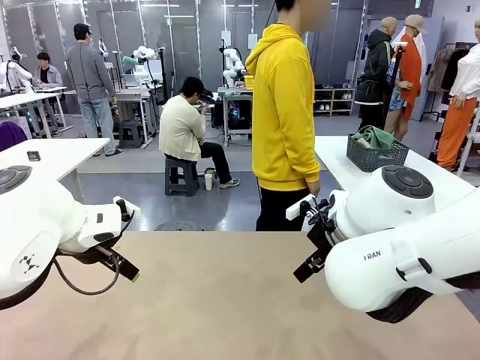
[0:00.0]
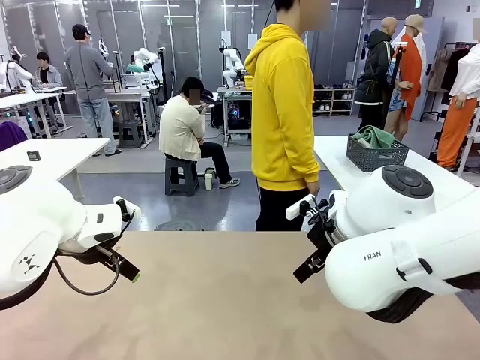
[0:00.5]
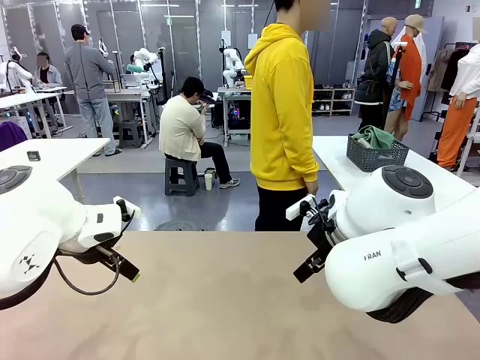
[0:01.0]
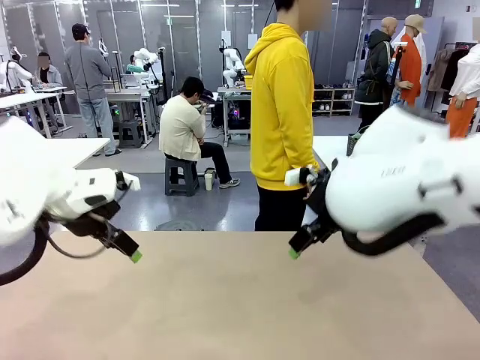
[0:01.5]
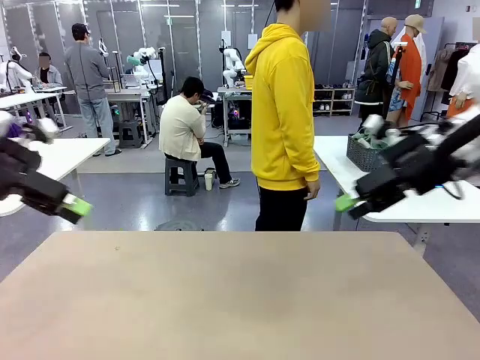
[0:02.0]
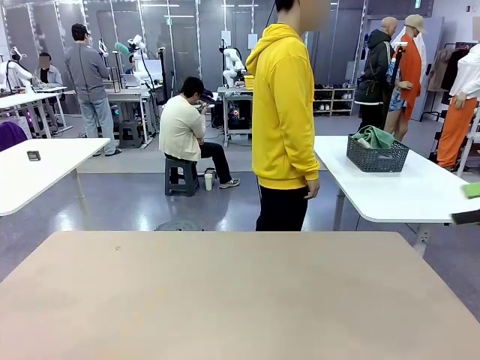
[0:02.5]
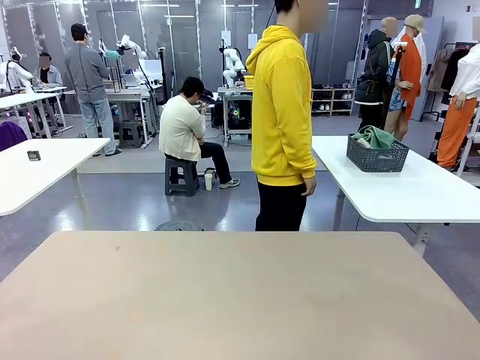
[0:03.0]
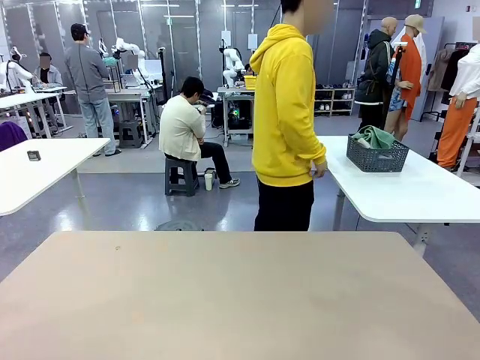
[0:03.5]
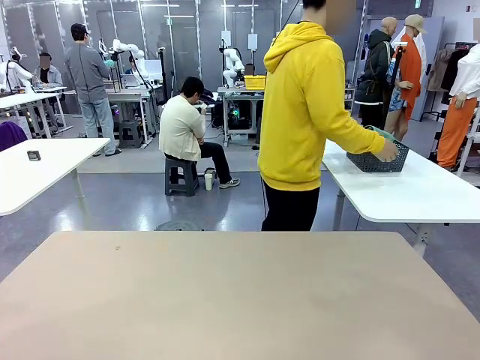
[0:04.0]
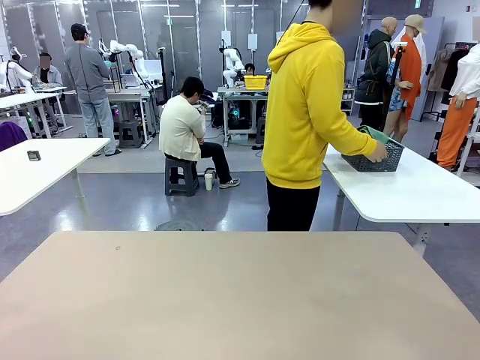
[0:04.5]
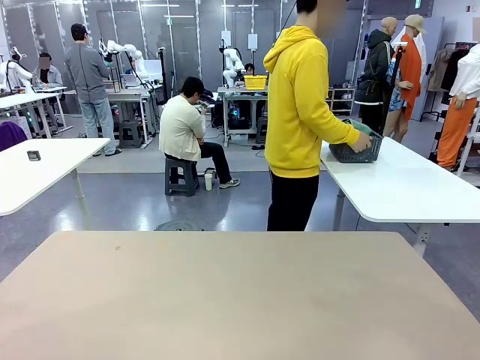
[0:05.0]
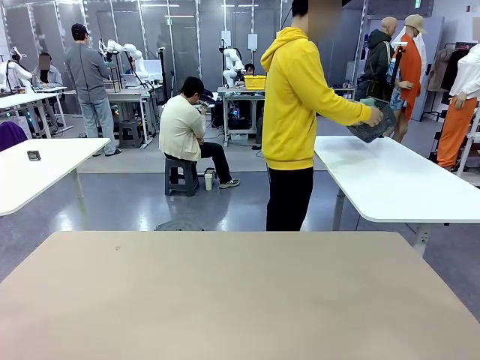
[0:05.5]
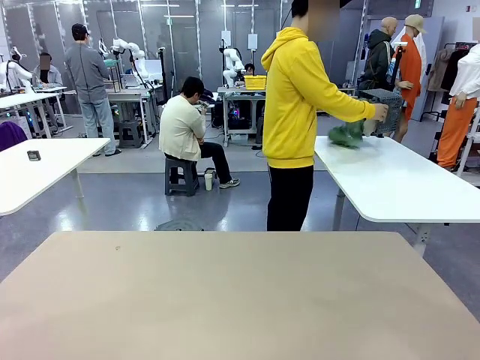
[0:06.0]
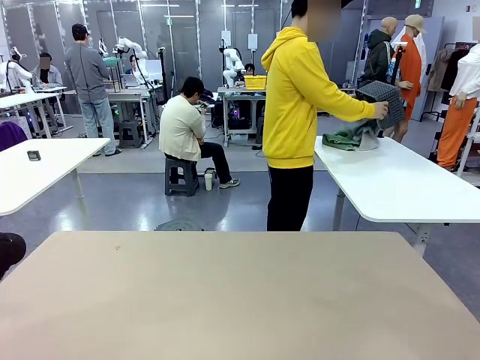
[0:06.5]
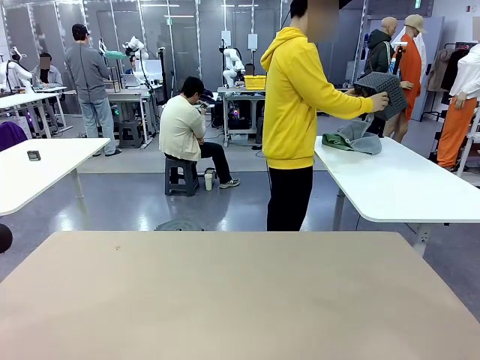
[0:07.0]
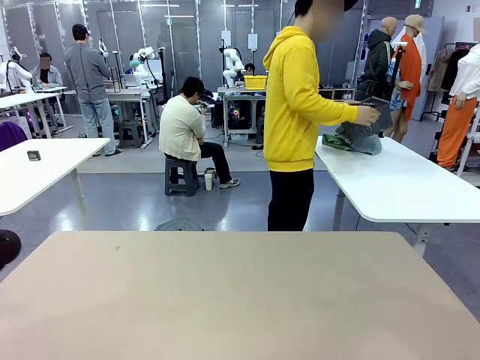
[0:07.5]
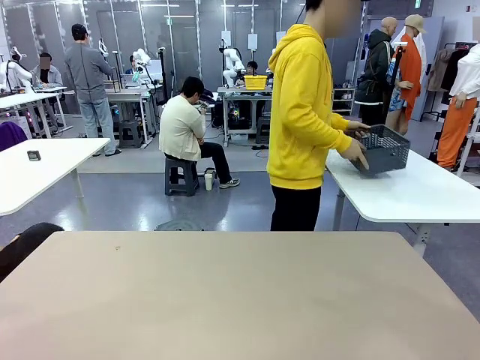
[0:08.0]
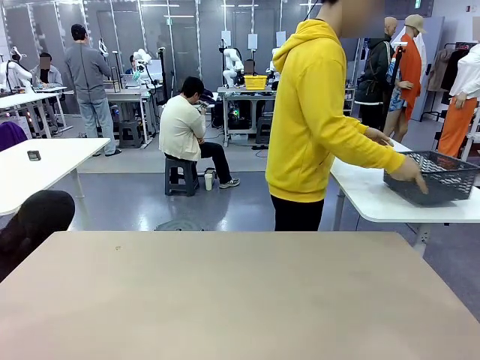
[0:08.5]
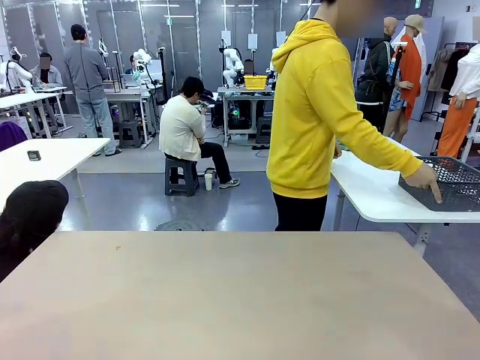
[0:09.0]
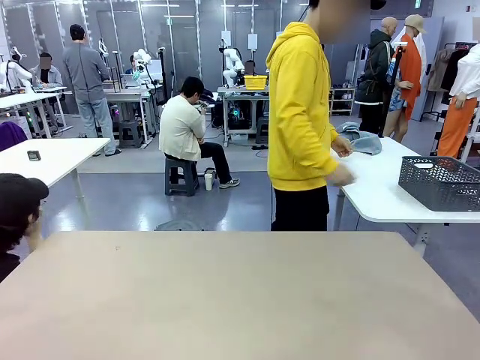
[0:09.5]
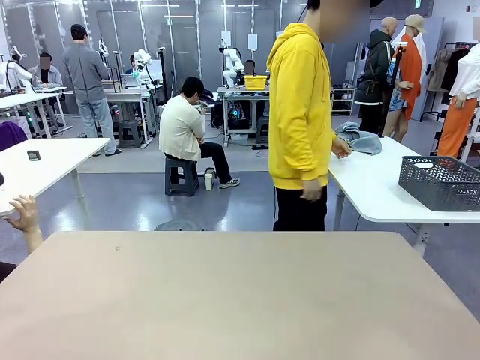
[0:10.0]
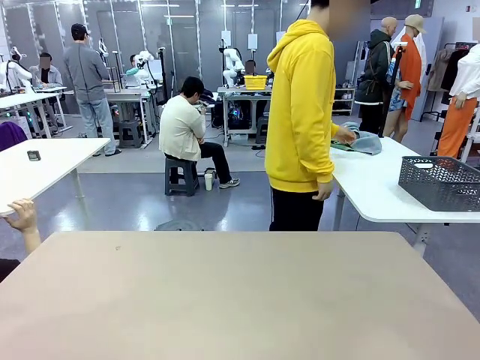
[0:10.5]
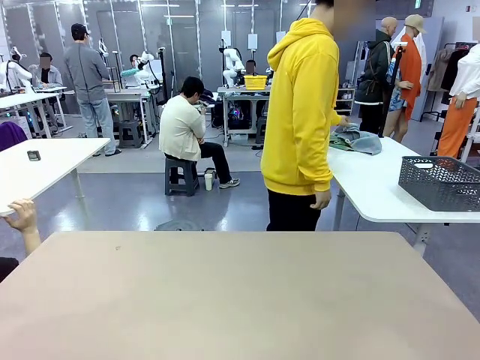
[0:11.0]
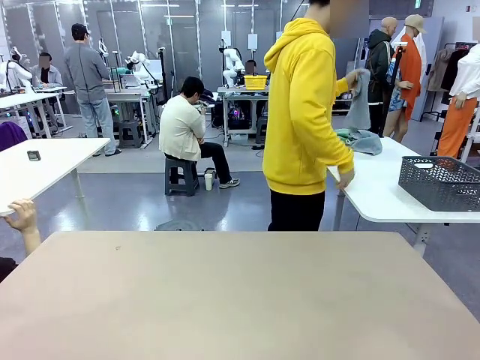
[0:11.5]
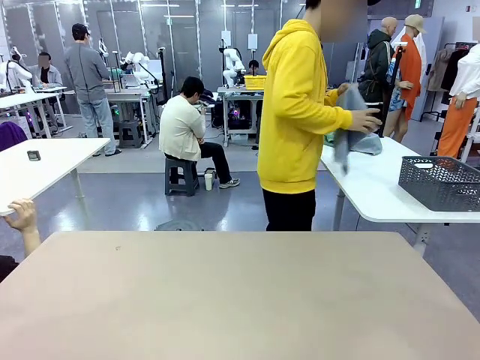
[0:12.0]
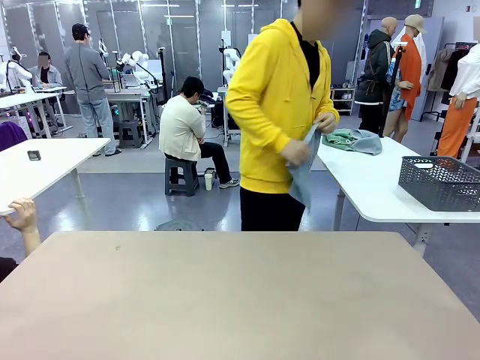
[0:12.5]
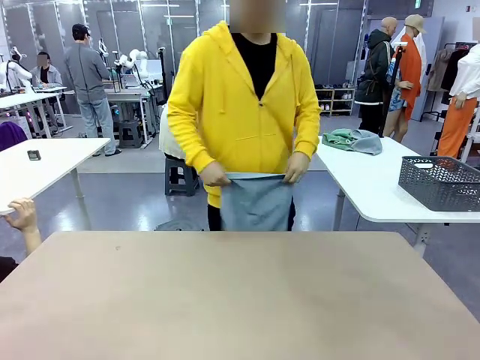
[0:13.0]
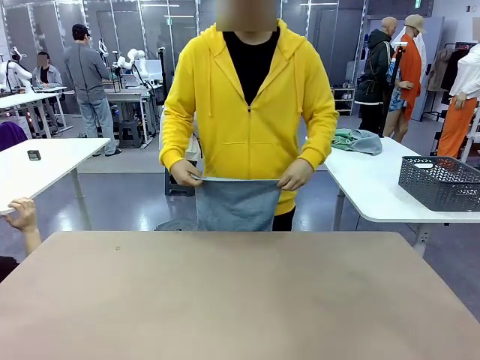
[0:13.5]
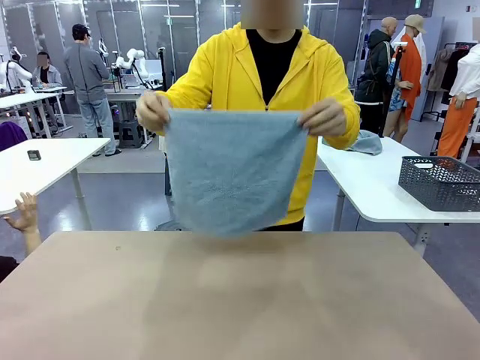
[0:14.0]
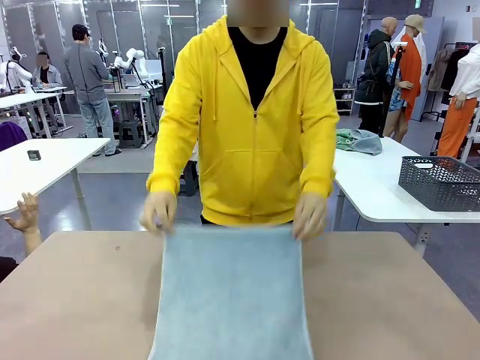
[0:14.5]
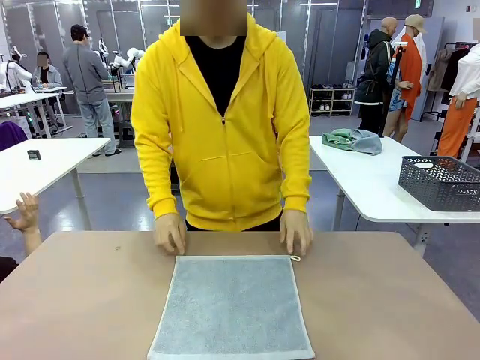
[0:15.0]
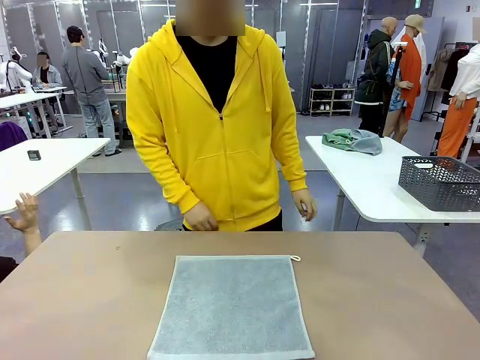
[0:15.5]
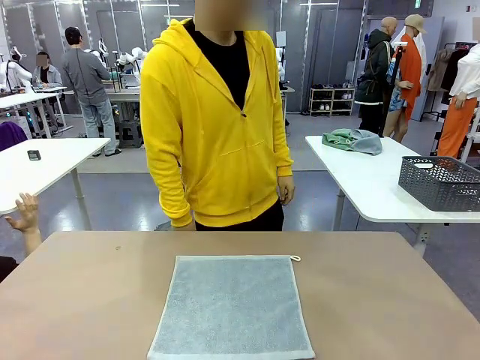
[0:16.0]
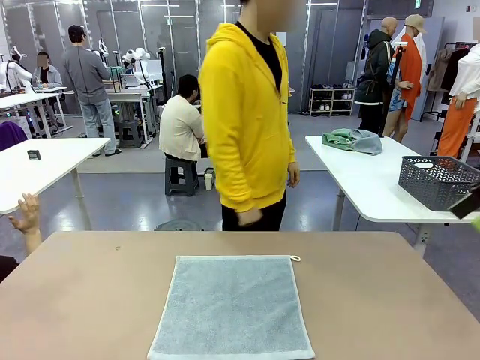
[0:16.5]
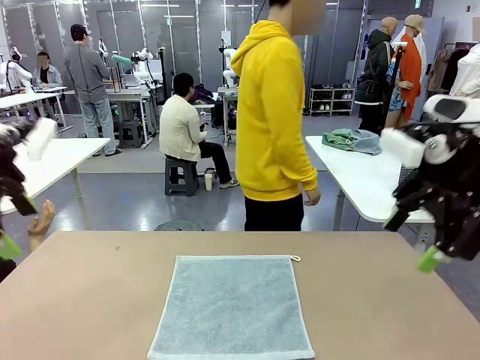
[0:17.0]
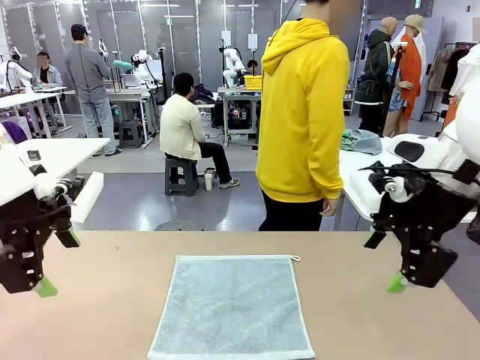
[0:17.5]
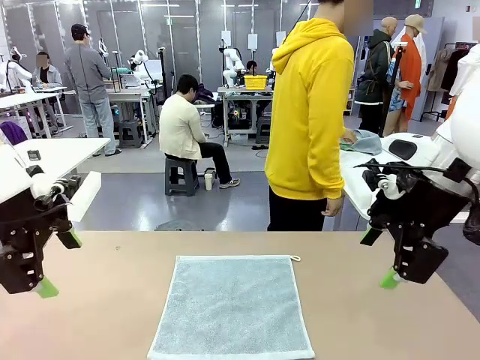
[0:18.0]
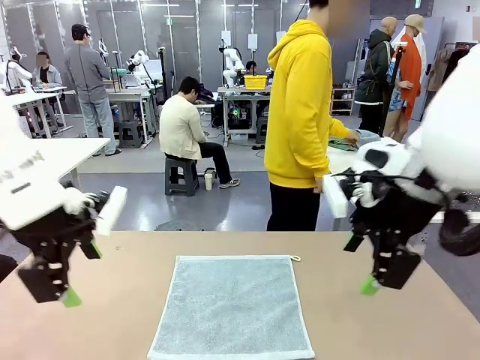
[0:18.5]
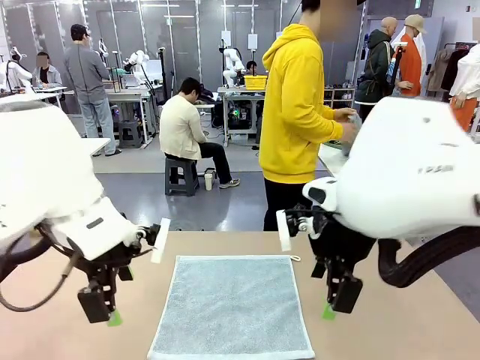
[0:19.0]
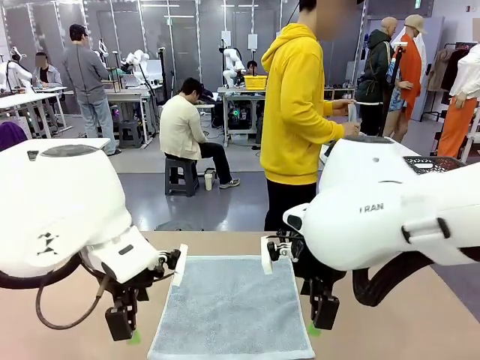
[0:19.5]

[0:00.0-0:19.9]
Task: Fold the towels and place them in the basket.
Robot: When a person lays out a Towel with hook on the table, fold it in half twice.
Person: Pick up the basket, pour the towels onto the left side of the human table, and place the basket on the right side. Pick up one towel and spread it out at the center of the robot table.

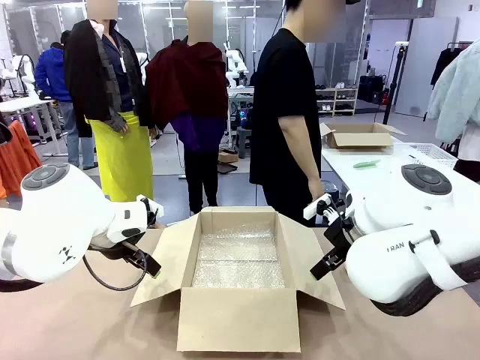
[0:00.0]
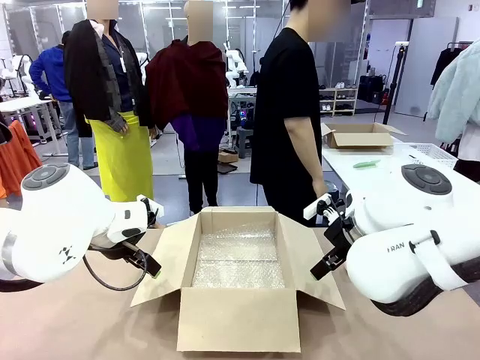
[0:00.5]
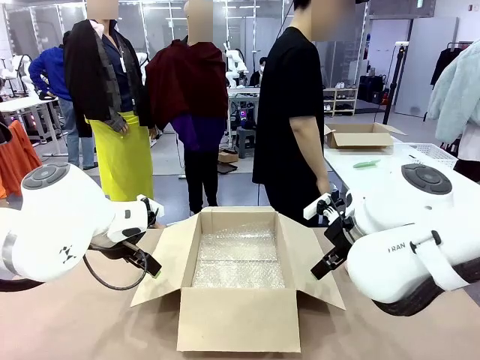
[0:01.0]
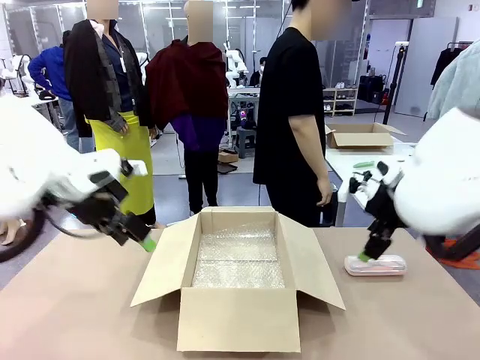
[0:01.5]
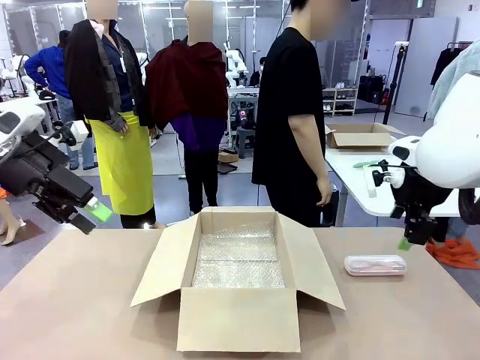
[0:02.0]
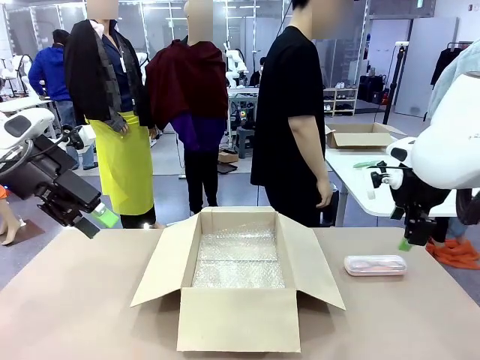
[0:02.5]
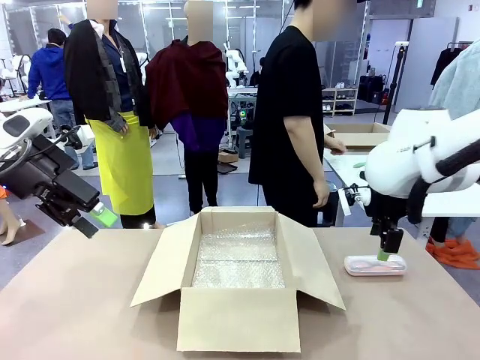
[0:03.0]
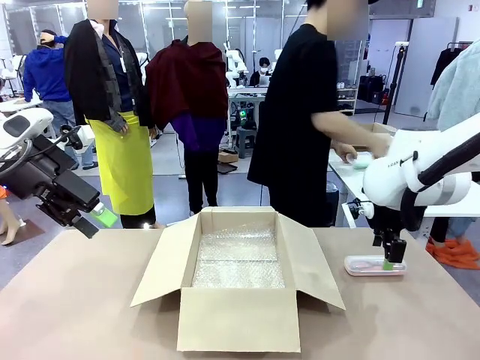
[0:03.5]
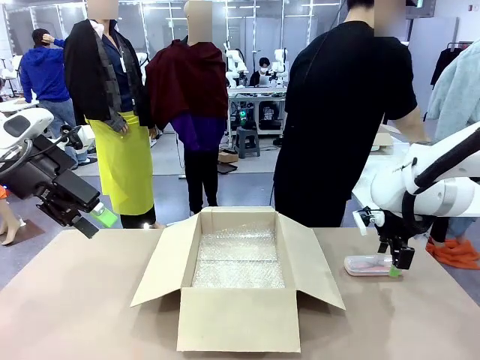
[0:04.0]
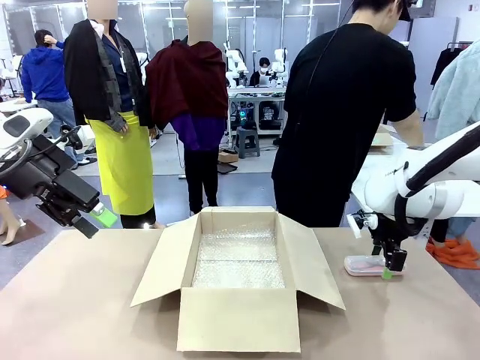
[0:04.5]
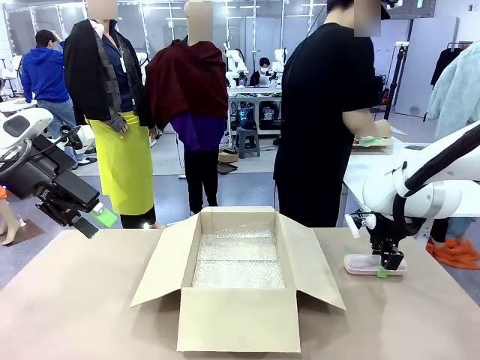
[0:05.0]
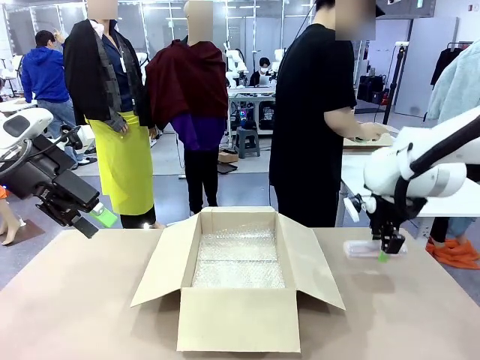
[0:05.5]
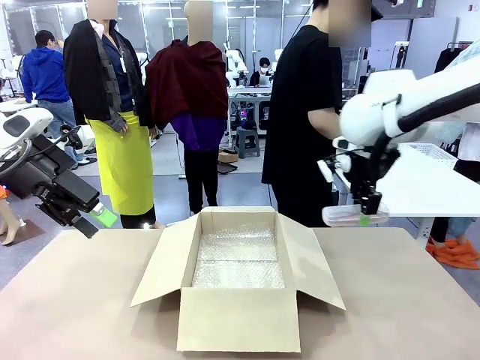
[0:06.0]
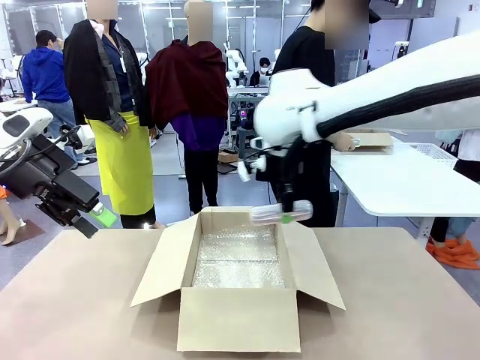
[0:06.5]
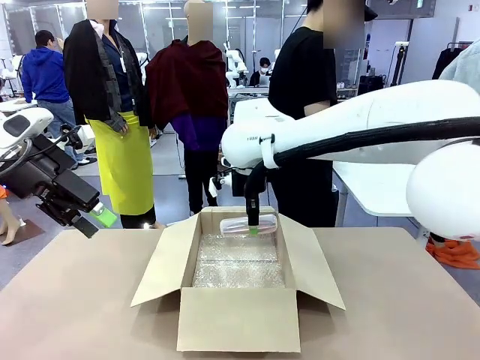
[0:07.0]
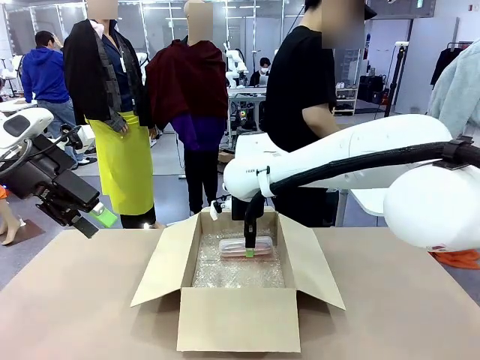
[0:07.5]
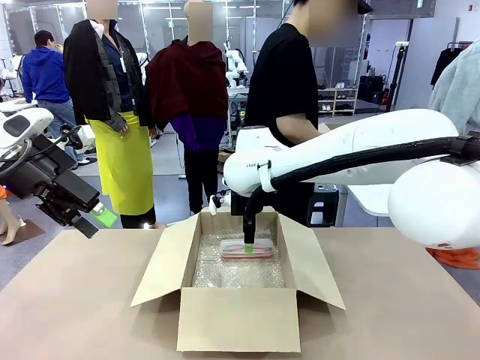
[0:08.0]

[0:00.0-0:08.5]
Task: Pack the glasses set securely to prepare it for shipping.
Robot: Place the Glasses case inside the Package Box.
Person: Place the Glasses inside the Glasses case.
